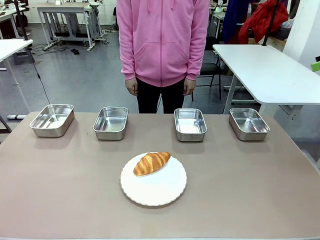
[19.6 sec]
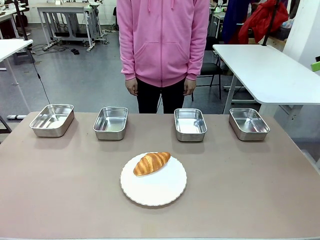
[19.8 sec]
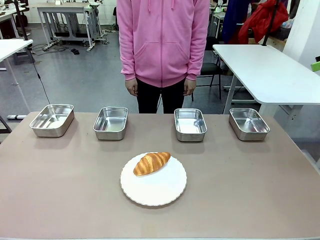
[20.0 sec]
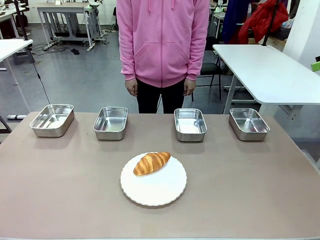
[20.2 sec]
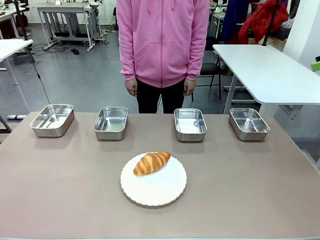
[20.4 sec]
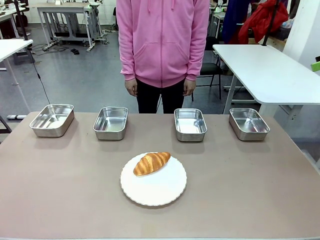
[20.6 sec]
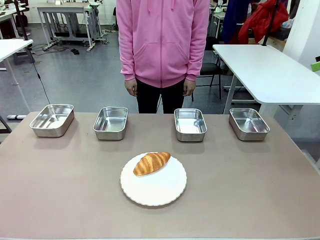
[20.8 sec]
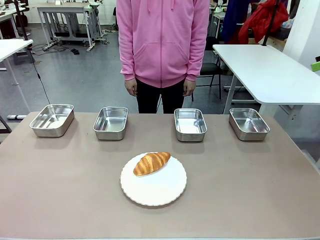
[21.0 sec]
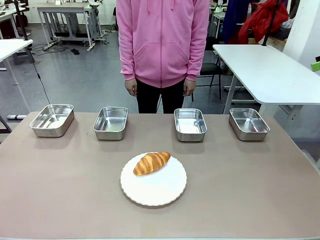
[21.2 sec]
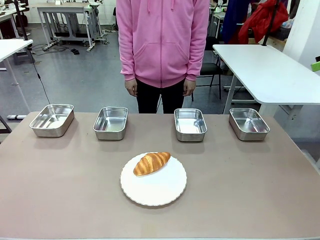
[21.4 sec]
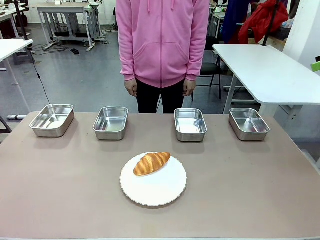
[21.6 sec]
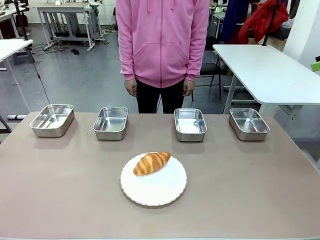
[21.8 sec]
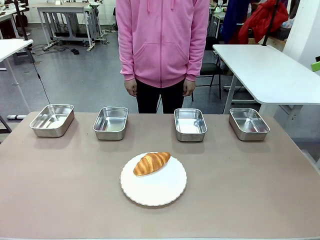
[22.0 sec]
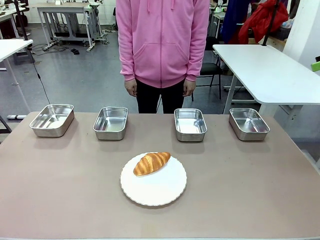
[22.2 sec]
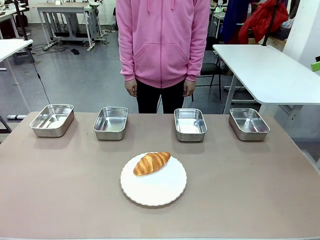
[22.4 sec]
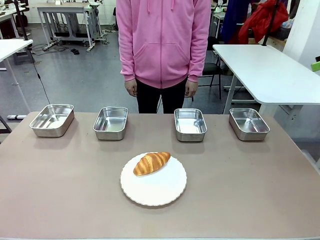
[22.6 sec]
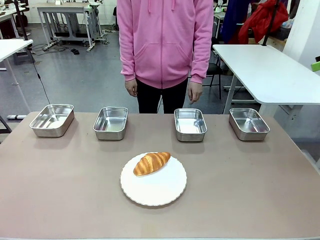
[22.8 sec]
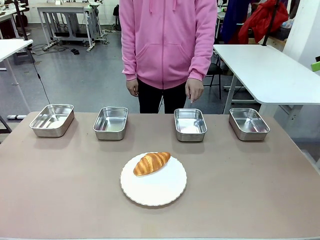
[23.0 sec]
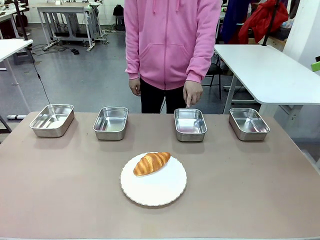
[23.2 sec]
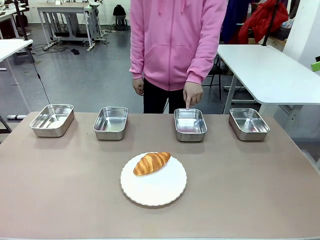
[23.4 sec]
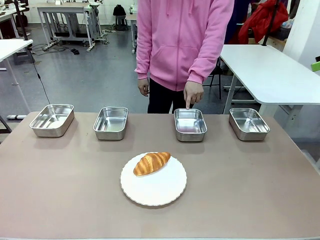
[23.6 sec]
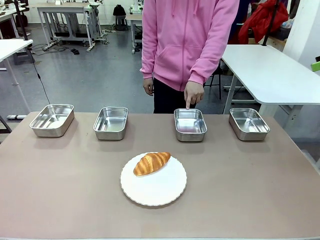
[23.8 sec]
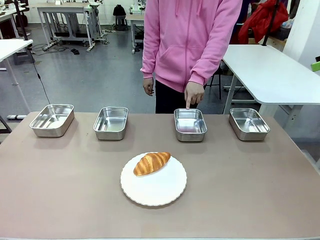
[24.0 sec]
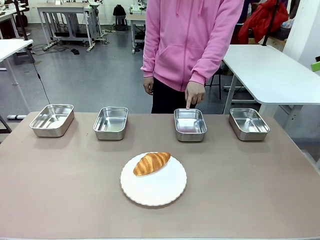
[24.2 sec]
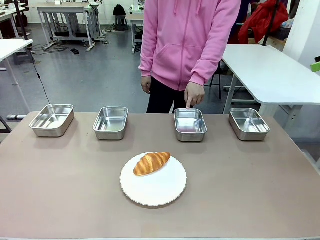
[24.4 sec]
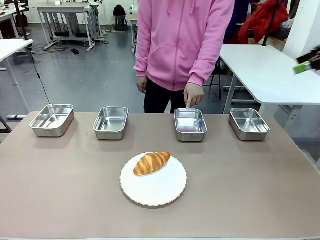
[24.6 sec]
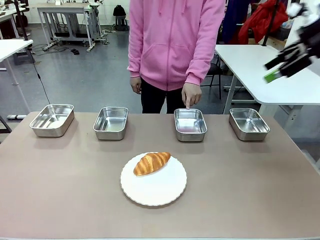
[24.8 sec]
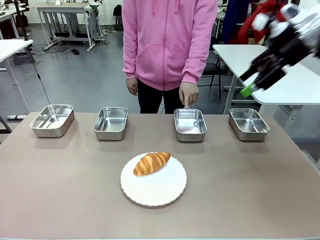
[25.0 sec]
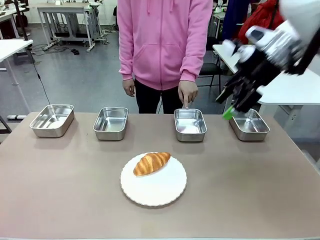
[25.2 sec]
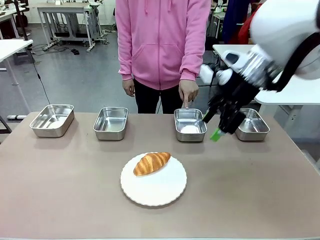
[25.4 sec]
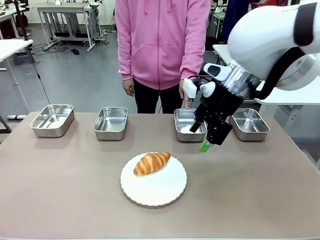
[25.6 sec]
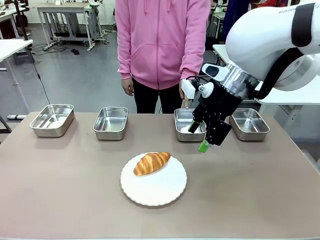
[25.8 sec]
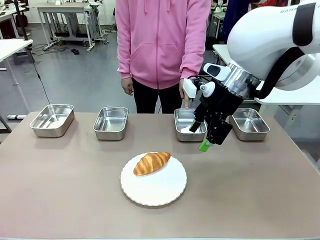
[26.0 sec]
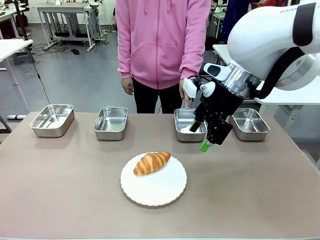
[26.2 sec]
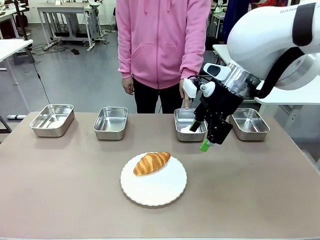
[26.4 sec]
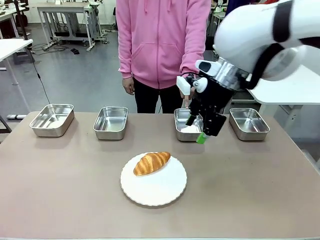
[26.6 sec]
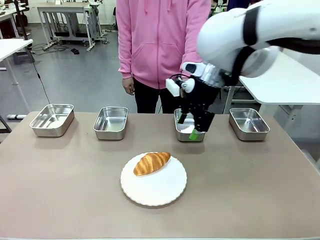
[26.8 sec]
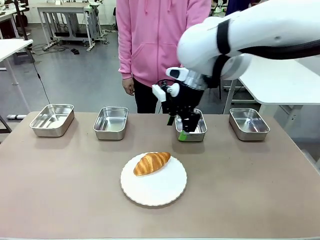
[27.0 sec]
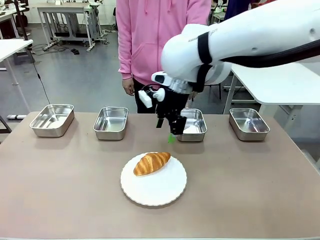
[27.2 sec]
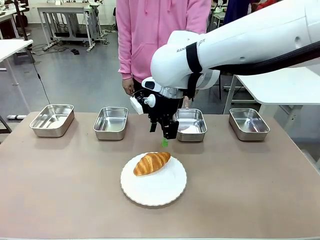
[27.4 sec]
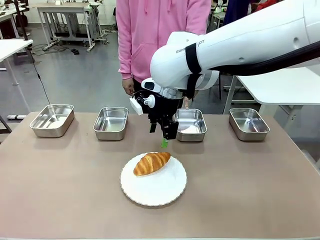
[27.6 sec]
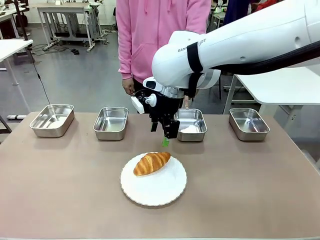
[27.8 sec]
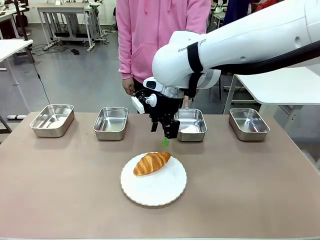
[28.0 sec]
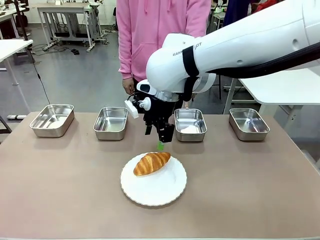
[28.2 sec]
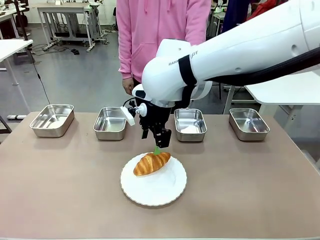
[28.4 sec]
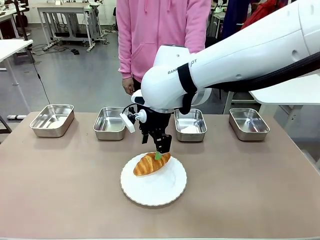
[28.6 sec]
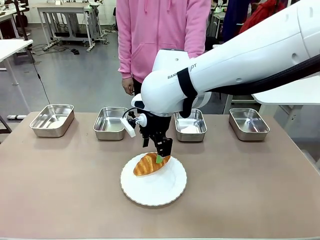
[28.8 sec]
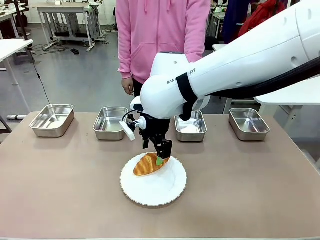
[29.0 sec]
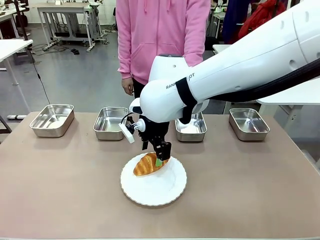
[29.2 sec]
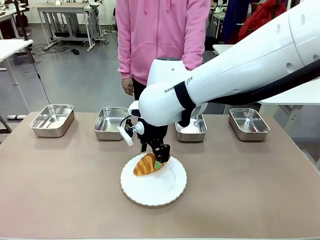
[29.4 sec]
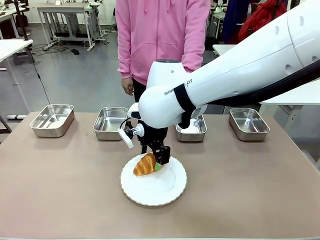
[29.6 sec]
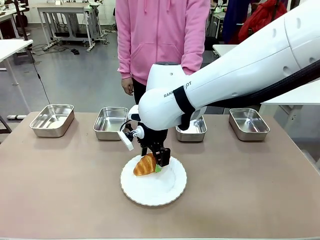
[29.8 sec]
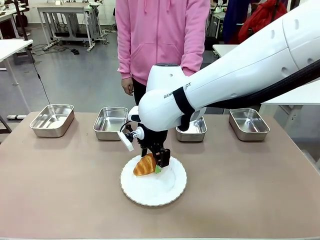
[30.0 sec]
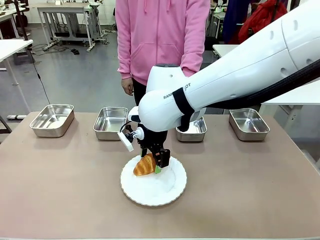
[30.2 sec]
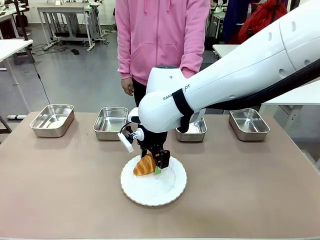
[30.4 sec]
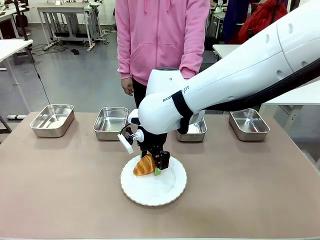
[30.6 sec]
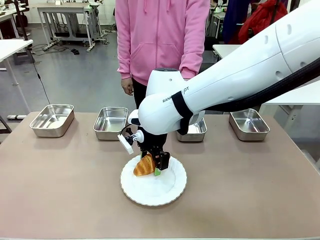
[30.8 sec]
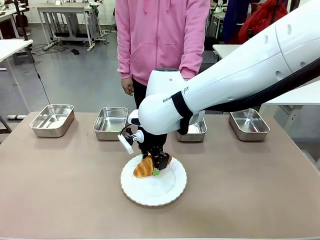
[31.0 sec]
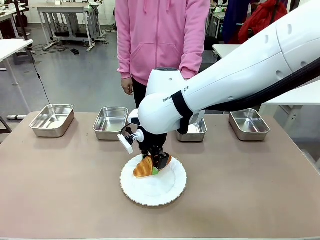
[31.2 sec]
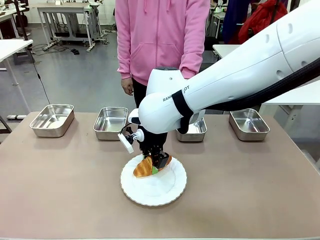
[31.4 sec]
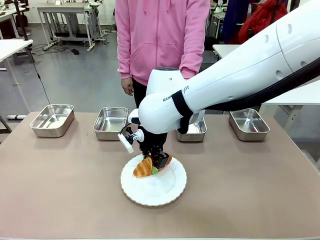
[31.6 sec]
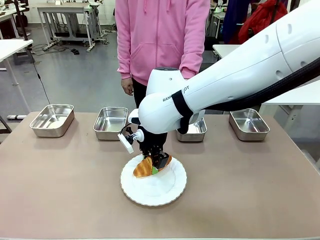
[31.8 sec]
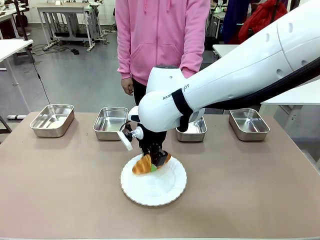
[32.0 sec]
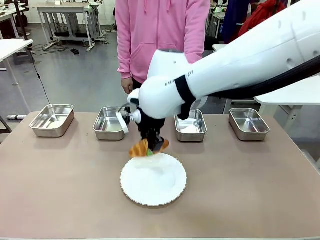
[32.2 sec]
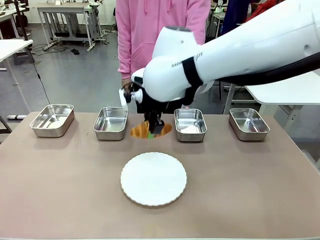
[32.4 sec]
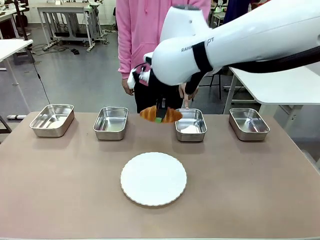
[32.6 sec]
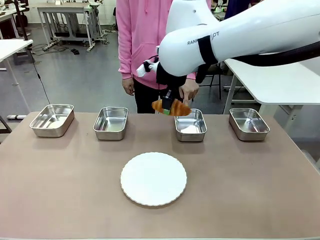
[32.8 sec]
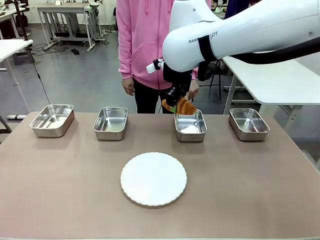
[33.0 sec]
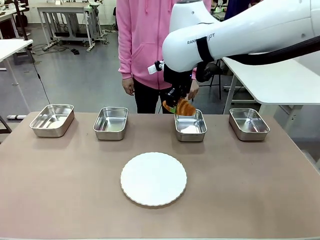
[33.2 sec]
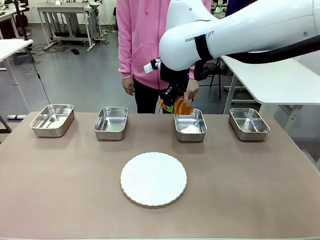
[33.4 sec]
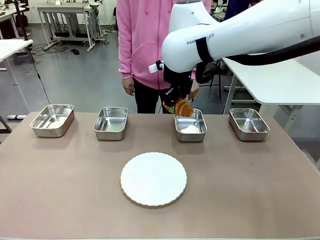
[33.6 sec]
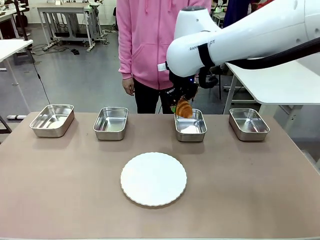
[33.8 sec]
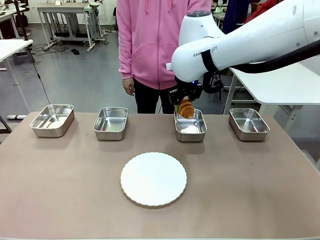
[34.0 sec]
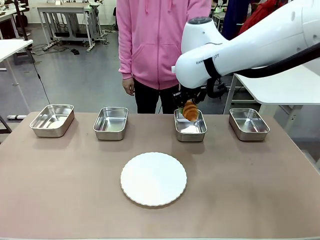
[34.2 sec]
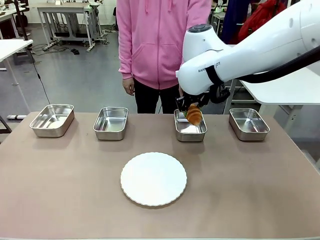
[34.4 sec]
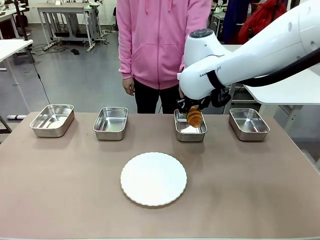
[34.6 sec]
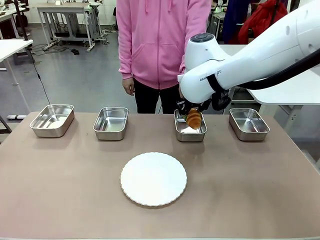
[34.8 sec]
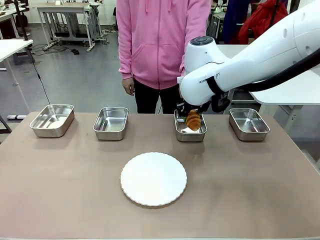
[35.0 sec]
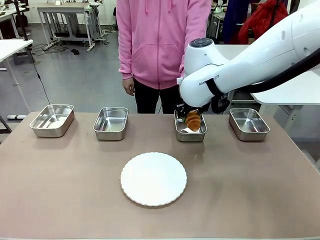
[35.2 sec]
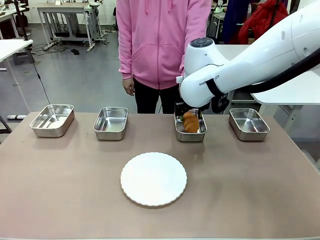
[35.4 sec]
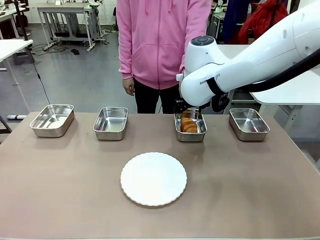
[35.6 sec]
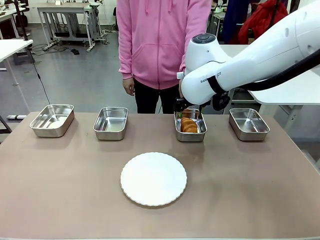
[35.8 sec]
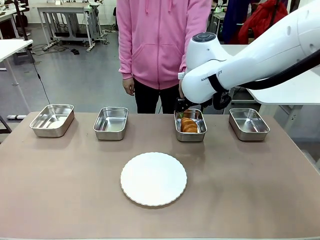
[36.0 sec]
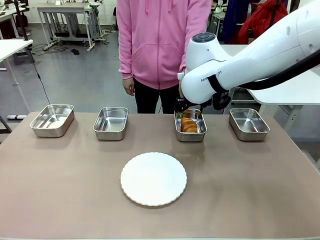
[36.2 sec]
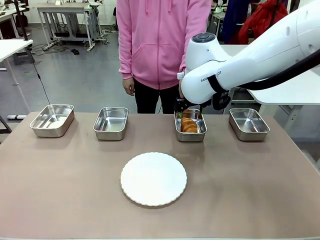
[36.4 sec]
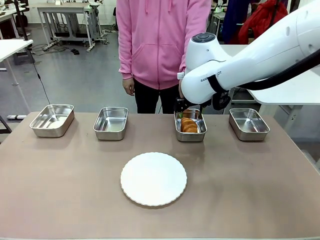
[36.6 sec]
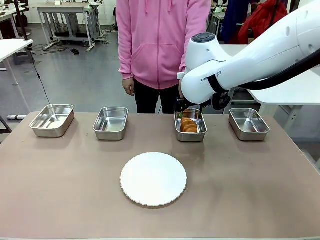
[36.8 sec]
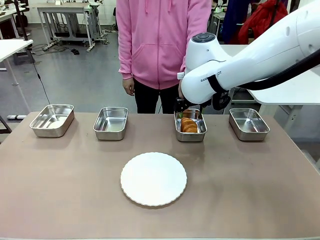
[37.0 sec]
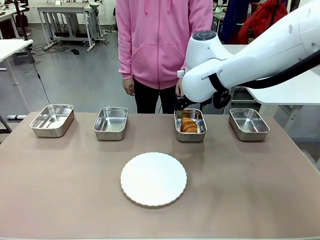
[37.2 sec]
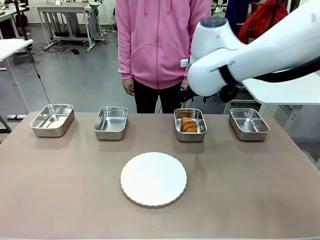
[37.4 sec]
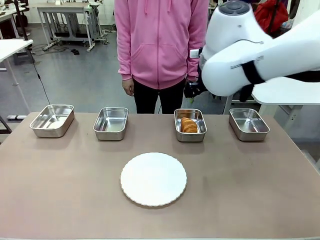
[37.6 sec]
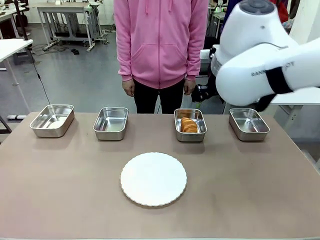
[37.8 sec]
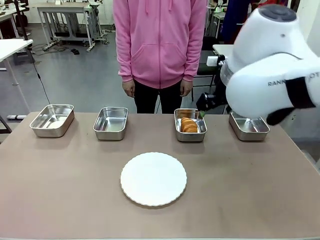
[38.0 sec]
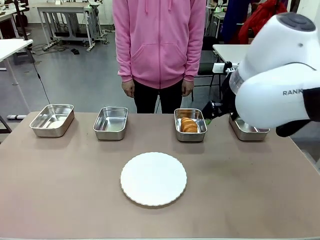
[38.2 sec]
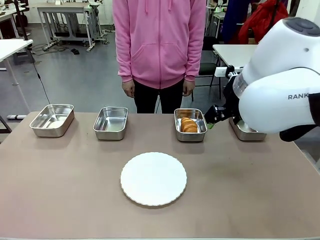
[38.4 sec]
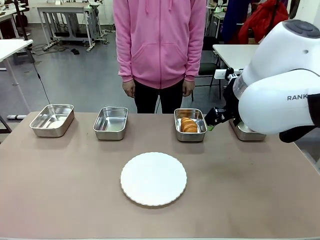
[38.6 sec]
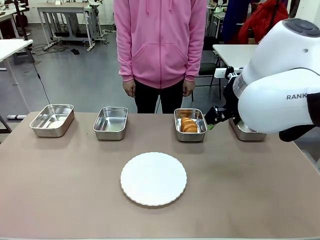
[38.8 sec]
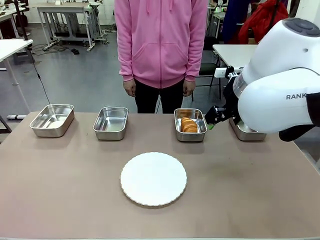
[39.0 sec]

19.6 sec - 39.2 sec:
Task: Place the bread in the container.
Robot: Place the Butter Roll into the Airtight Container indicated by the human.
